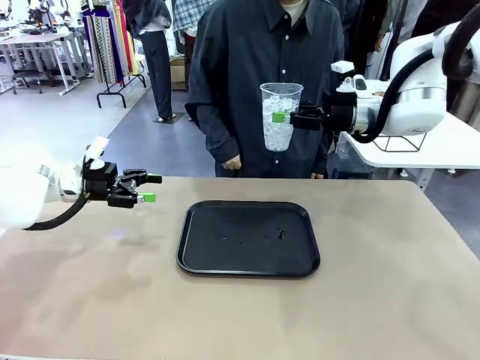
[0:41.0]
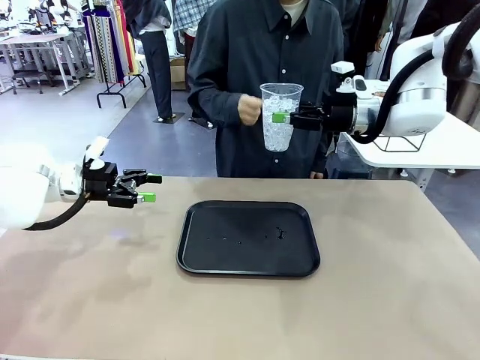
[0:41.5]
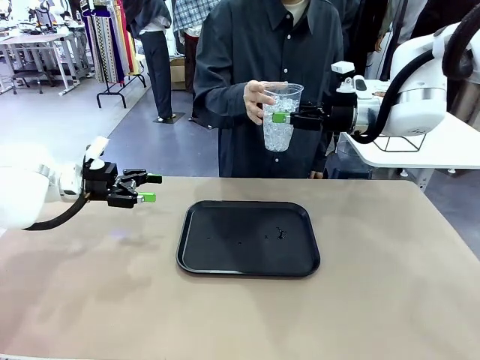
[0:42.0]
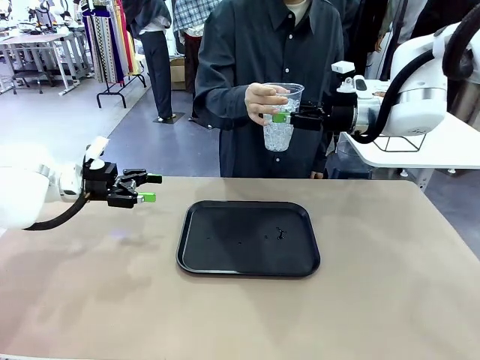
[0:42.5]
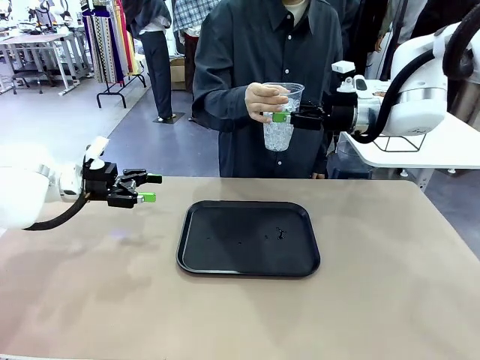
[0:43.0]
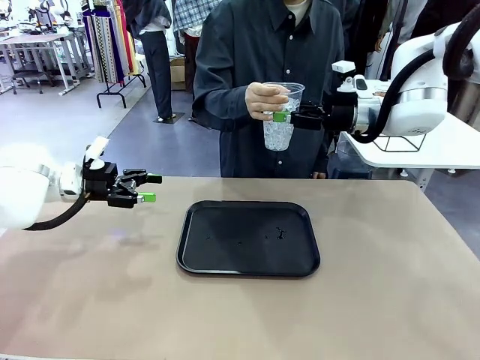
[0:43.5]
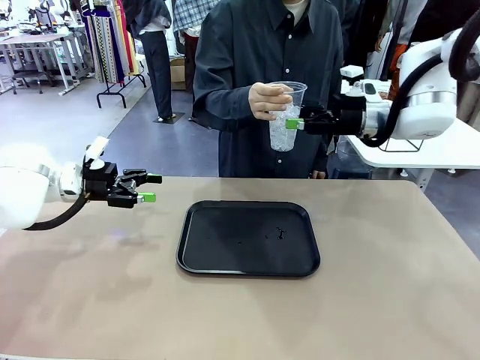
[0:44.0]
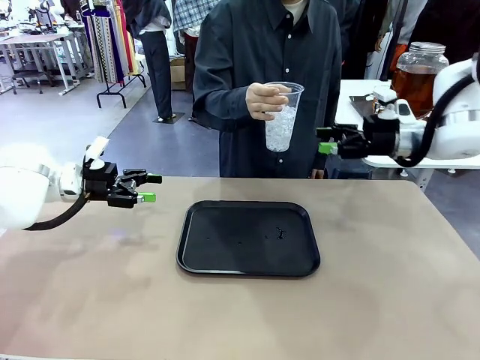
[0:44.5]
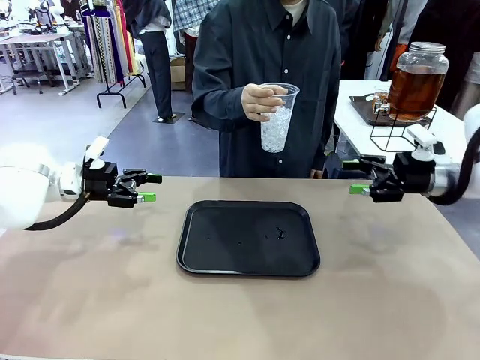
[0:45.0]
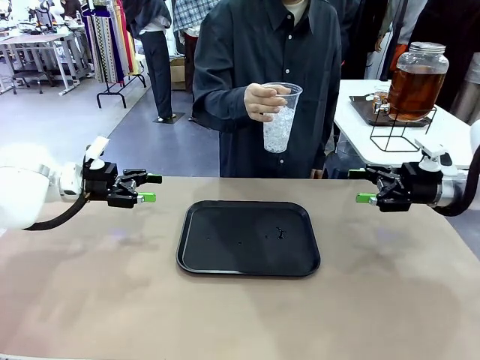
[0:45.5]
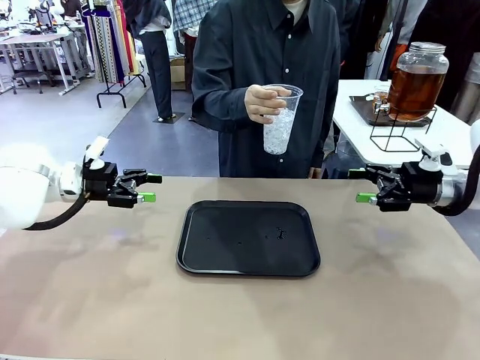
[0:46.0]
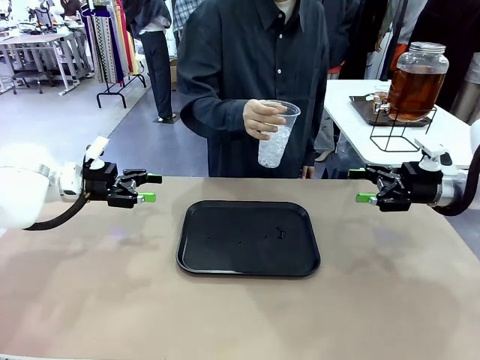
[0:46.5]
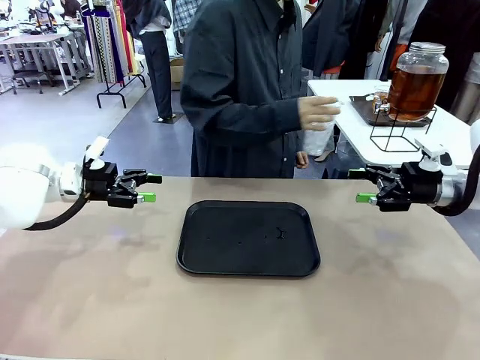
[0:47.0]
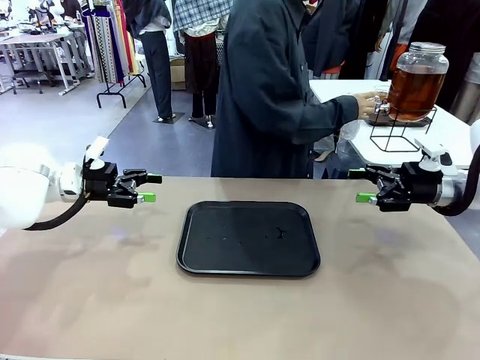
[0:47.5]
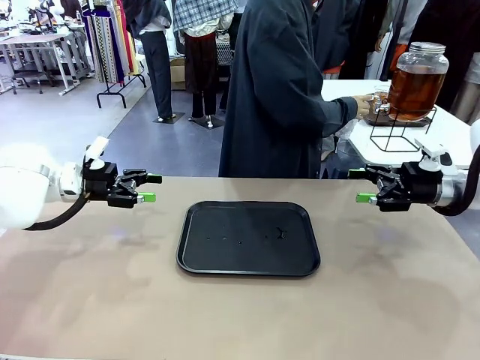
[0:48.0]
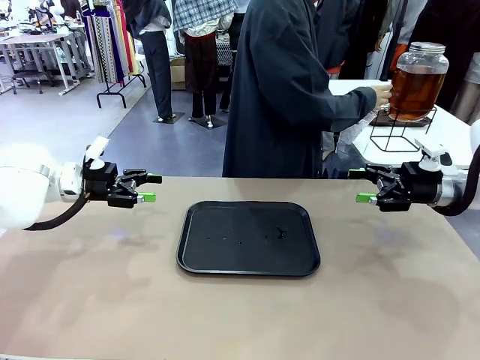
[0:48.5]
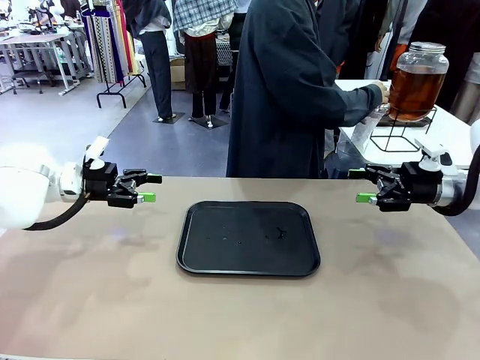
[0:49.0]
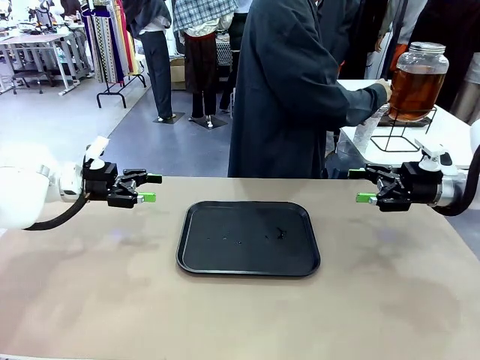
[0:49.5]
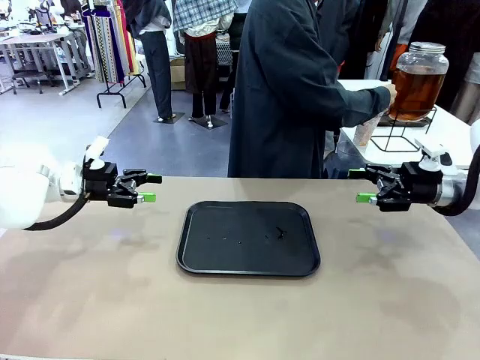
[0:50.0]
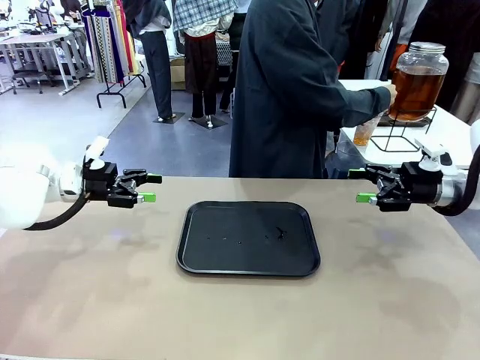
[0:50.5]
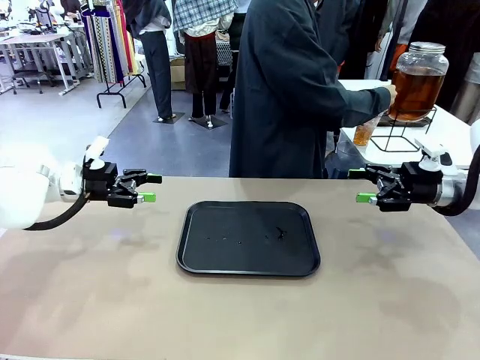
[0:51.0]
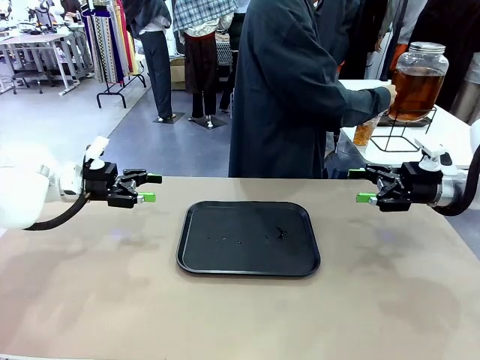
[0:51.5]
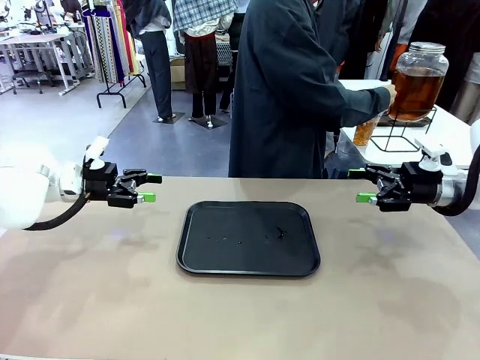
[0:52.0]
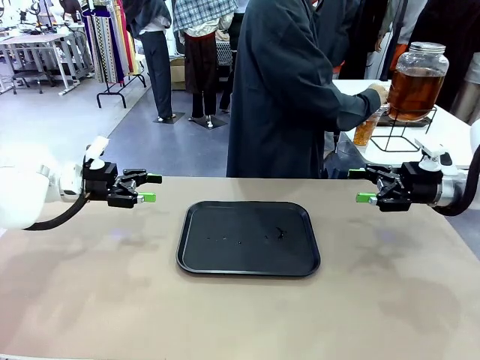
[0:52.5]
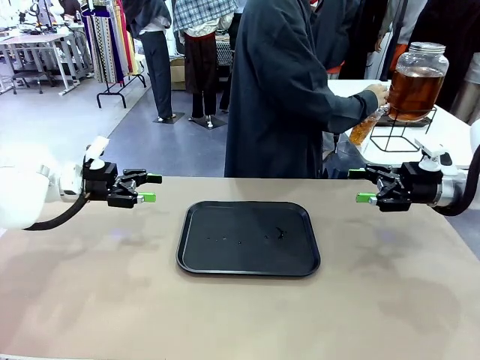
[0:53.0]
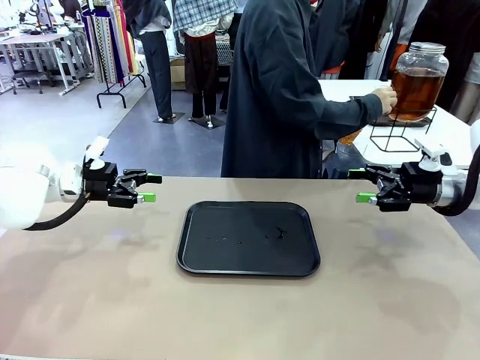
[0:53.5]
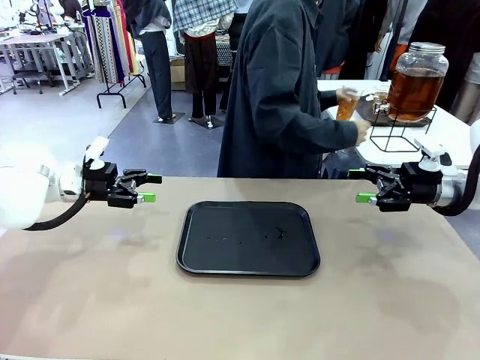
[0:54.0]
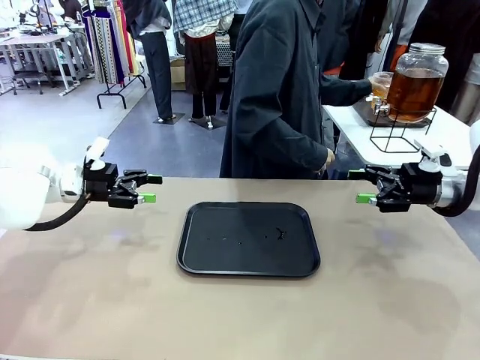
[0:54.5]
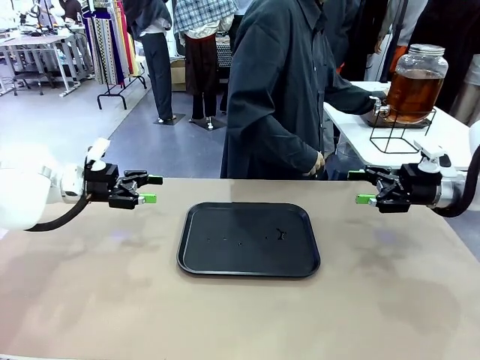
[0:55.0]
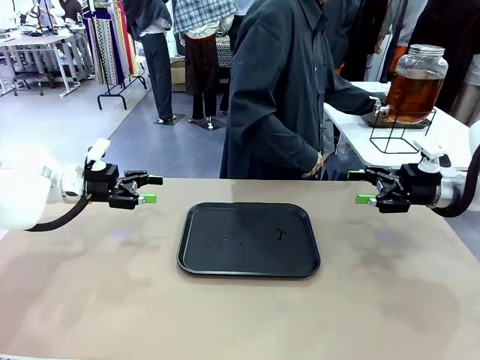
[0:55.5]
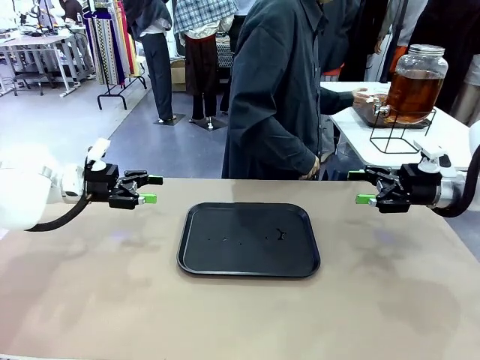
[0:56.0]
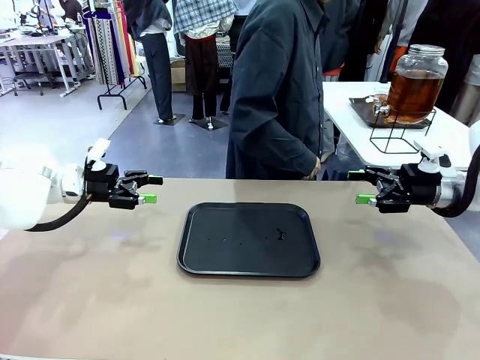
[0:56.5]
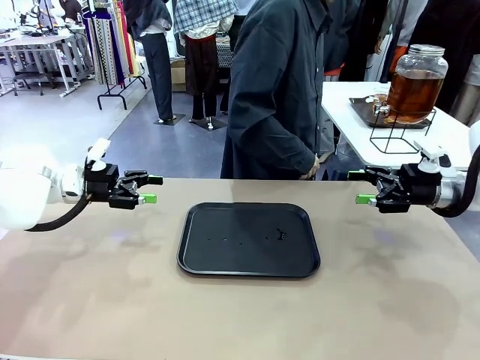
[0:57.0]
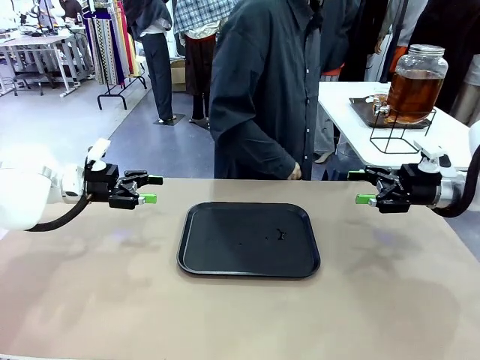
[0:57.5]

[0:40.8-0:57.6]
Task: Pour the drink into the iced cup.
Robot: Open the gripper to release the iced cup you were holding.
Person: Move the picked-up cup under the dispenser faucet, pour the drink, and place it on the tray on the human table.
